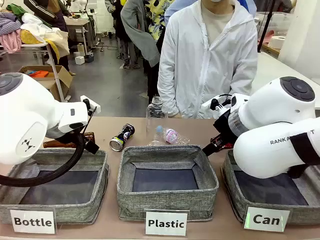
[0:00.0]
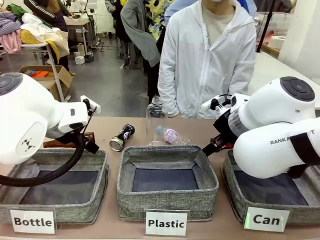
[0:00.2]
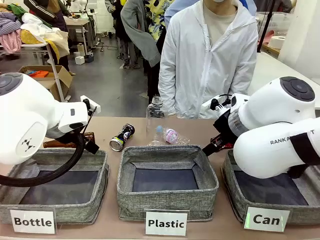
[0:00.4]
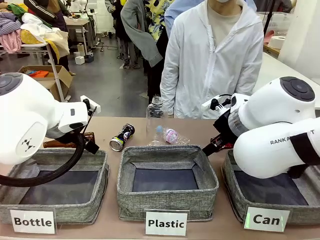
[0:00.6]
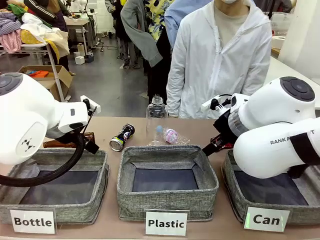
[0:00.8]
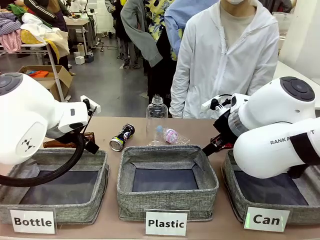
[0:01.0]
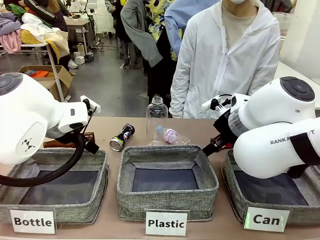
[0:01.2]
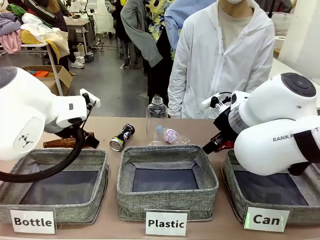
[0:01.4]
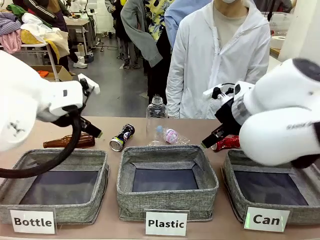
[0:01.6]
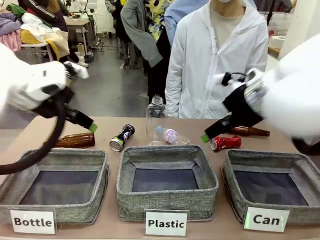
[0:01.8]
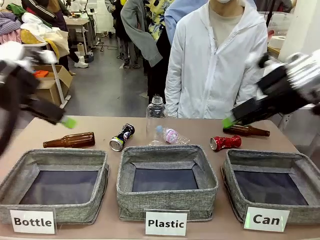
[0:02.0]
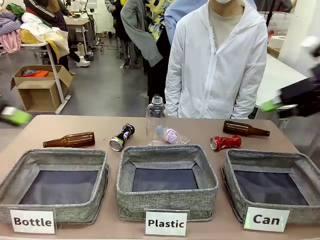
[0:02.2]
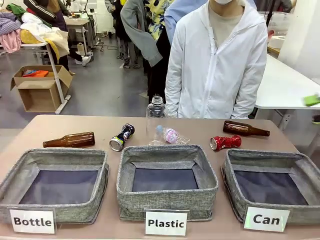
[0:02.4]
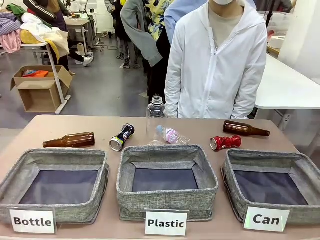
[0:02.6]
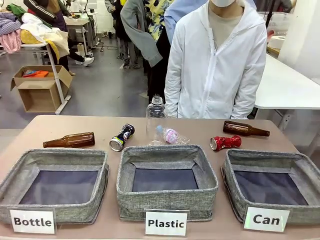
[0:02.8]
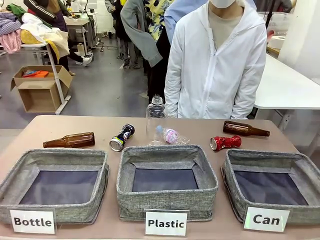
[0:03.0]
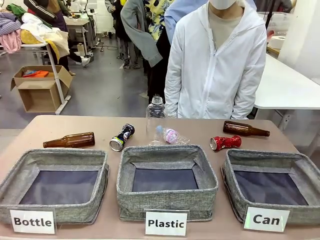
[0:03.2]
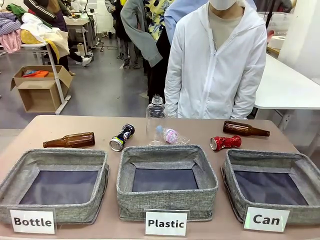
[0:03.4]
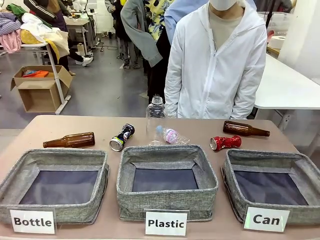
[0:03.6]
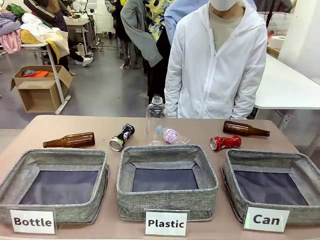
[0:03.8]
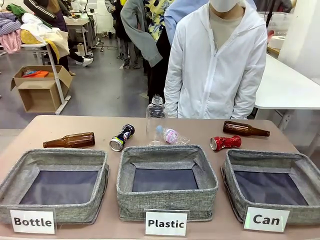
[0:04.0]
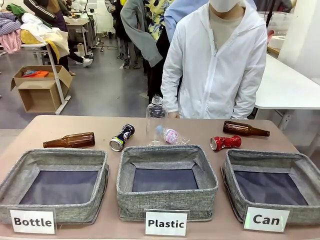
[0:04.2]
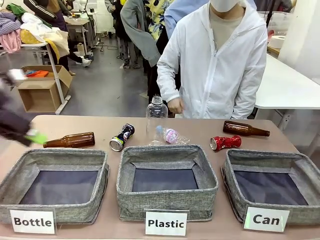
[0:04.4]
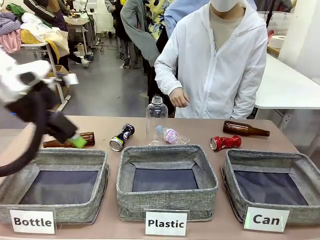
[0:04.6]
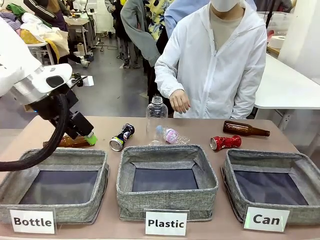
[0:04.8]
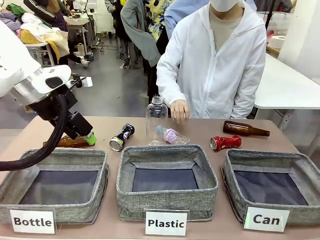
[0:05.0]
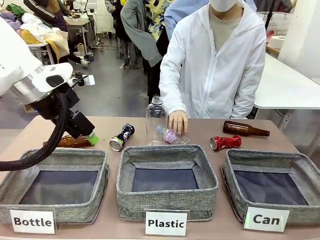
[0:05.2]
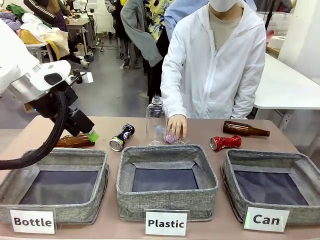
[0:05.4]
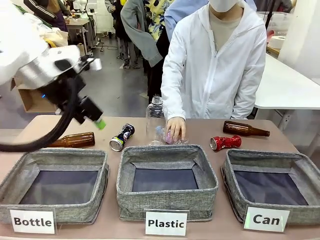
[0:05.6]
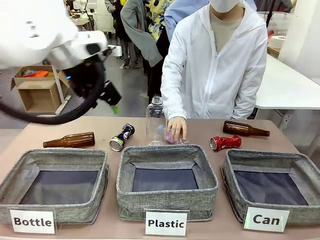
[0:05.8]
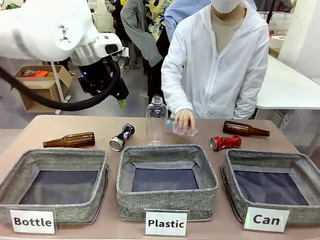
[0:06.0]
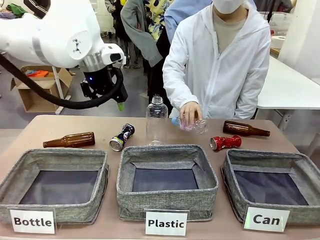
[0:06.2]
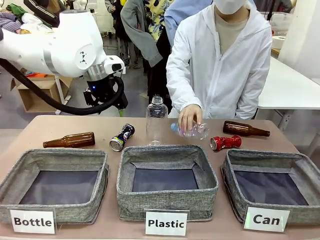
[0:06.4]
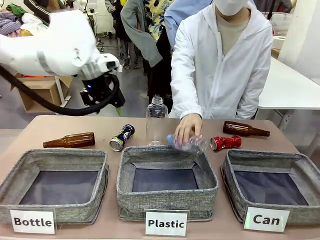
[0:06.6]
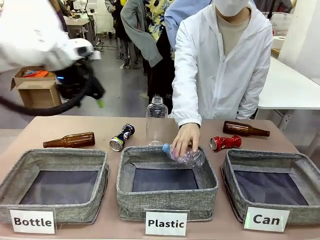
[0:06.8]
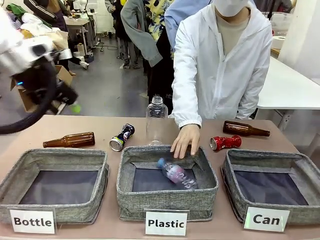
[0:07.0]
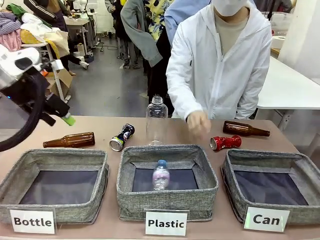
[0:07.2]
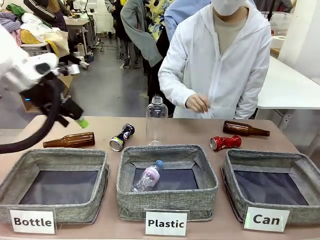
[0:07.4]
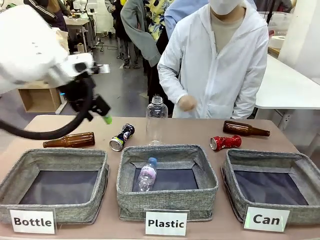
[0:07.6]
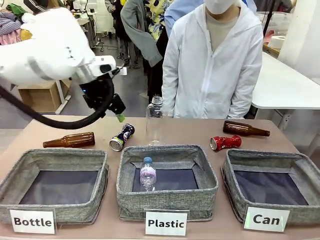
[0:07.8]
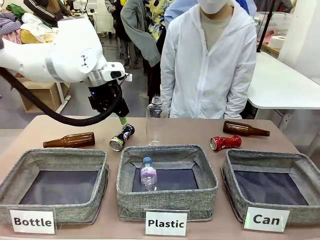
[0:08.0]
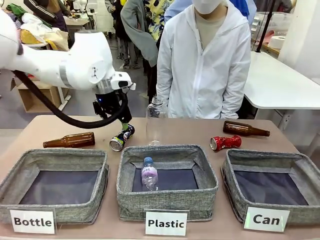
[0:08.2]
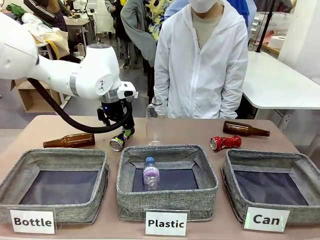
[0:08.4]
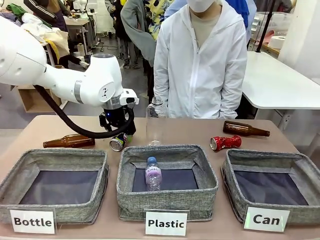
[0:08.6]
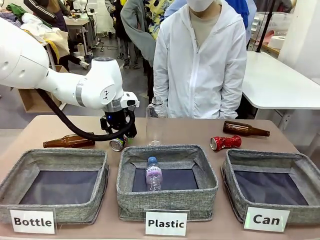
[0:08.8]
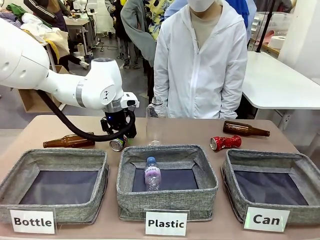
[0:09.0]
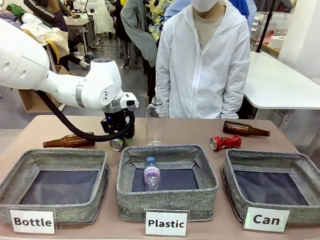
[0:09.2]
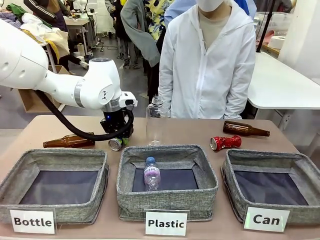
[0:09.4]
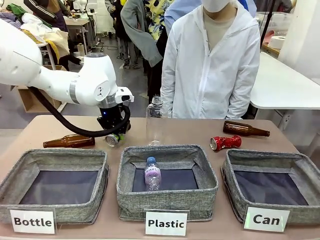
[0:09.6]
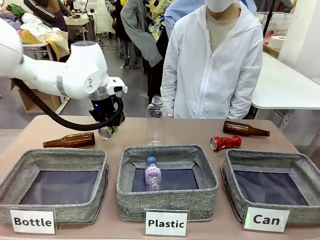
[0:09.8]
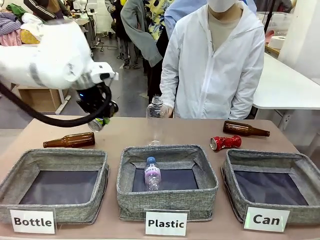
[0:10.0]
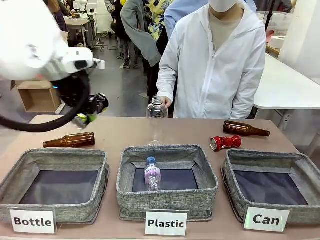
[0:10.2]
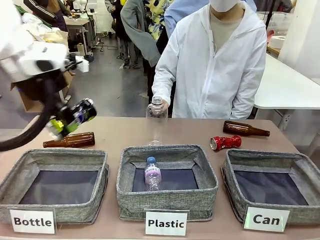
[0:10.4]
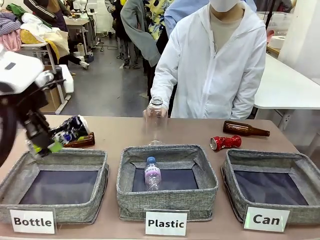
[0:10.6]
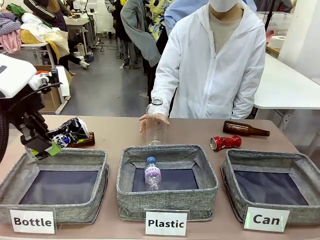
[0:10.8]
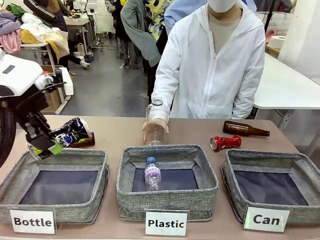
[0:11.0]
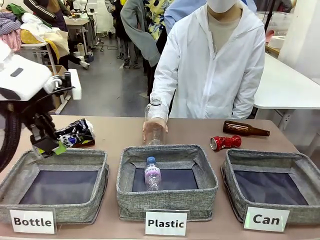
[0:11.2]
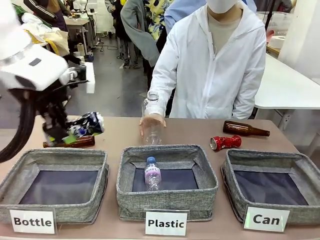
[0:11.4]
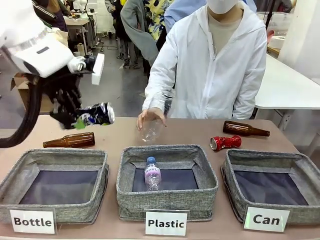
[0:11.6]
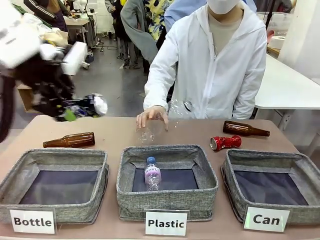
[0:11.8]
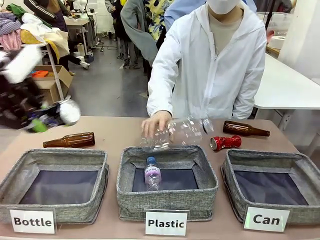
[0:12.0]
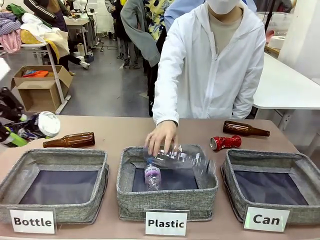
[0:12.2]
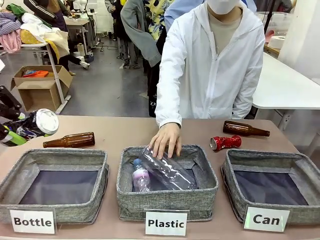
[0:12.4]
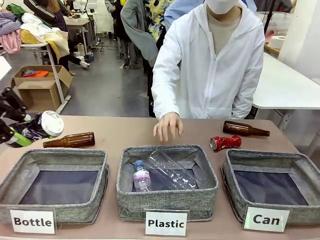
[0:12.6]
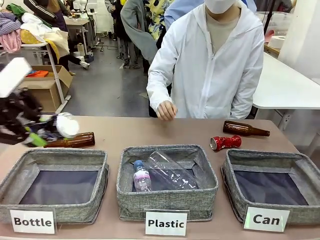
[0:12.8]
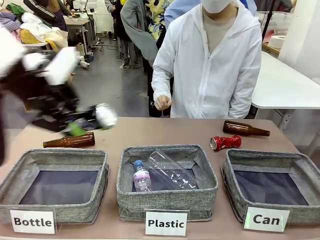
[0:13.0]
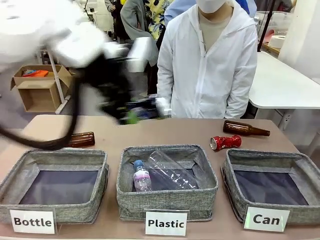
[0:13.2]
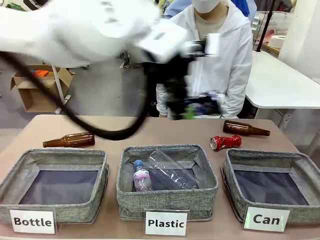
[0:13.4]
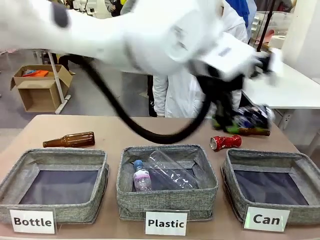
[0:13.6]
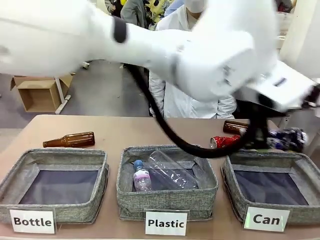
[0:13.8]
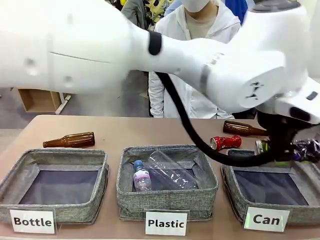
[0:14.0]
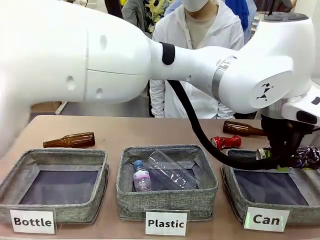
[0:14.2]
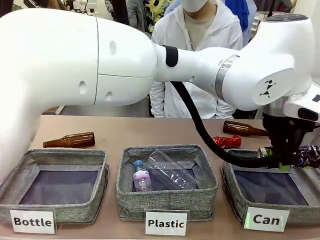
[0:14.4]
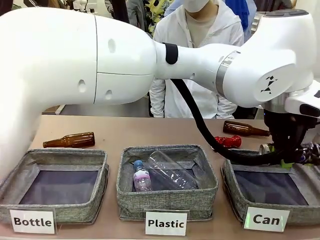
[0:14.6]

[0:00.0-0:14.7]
Task: Sort the can waste into the basket.
Robot: Pick up the can waste from the table and place it in the right Fabric basket.
